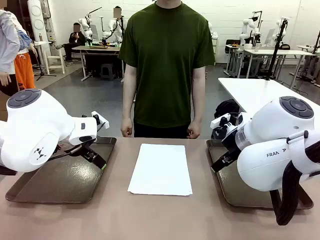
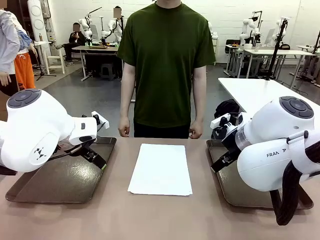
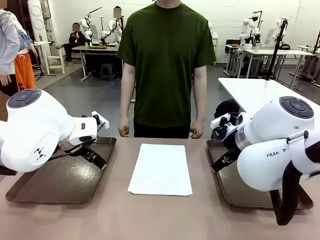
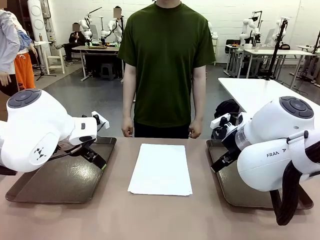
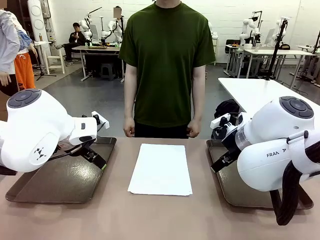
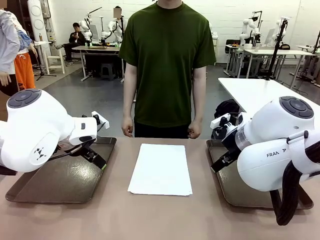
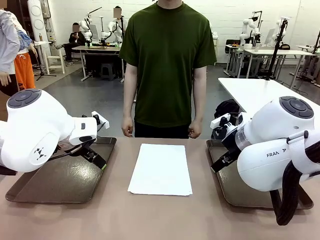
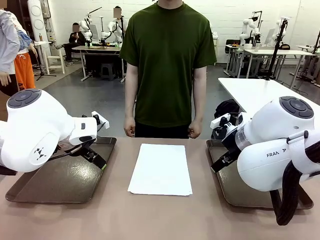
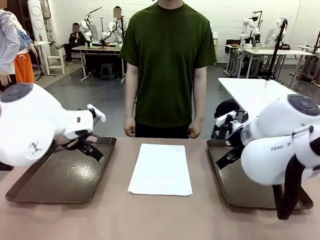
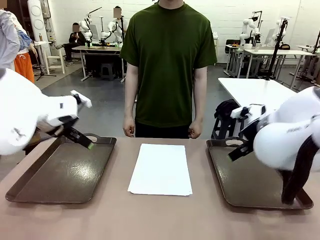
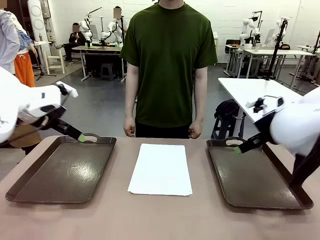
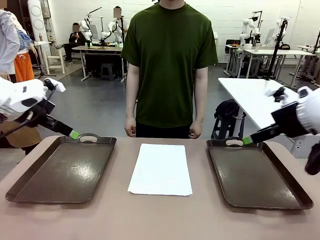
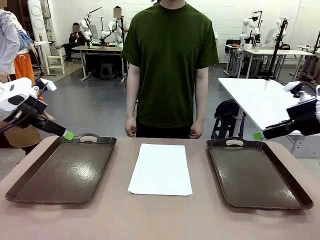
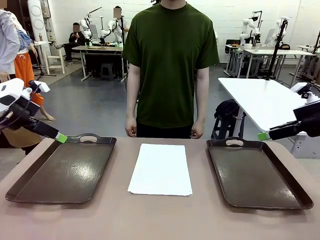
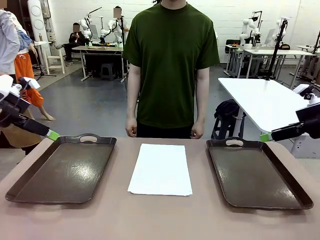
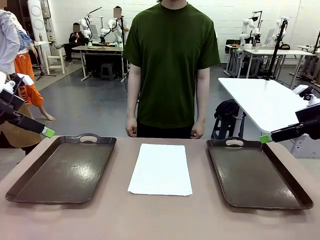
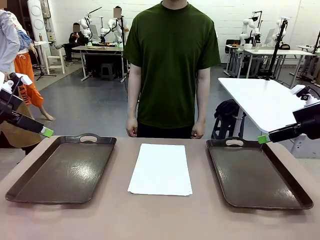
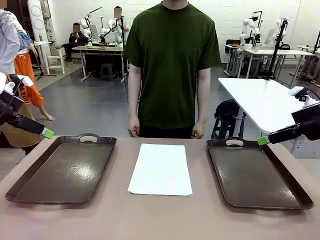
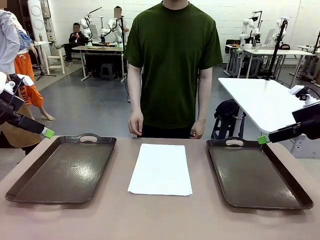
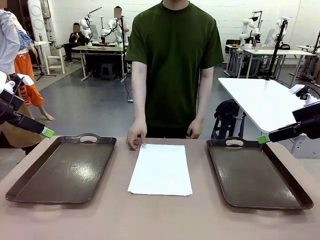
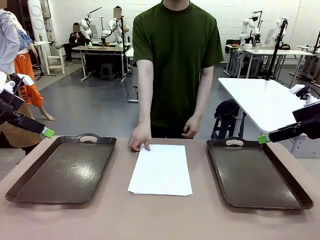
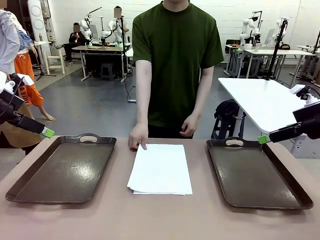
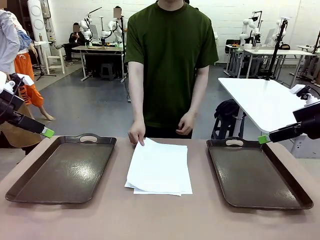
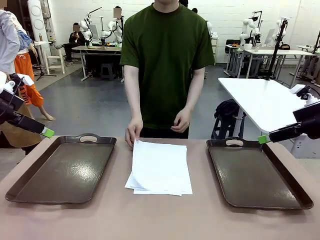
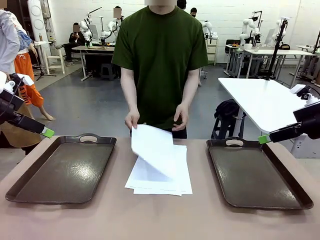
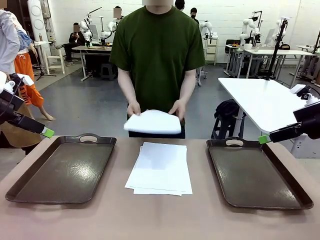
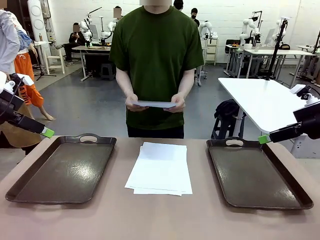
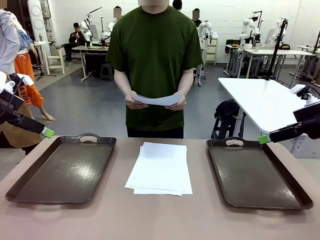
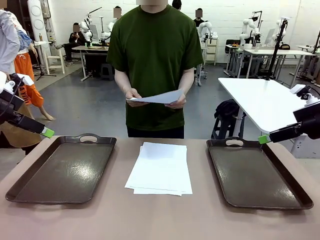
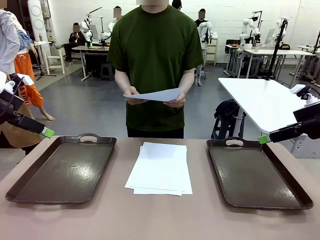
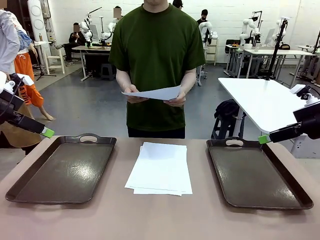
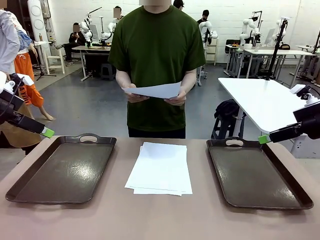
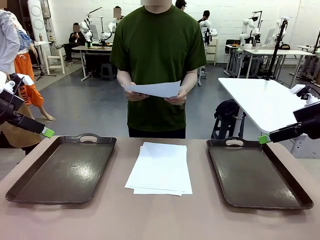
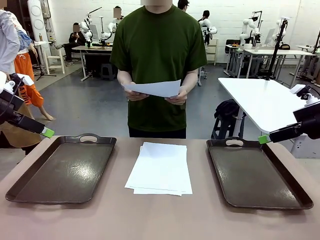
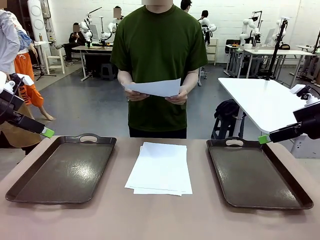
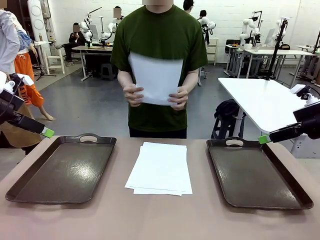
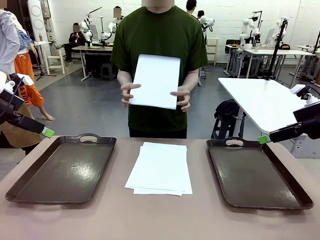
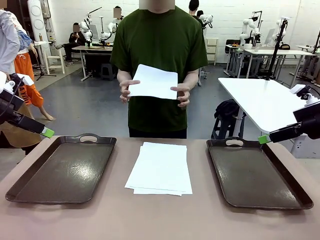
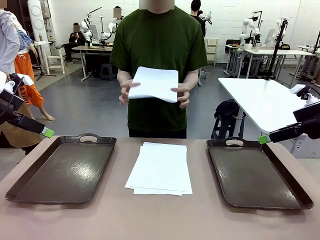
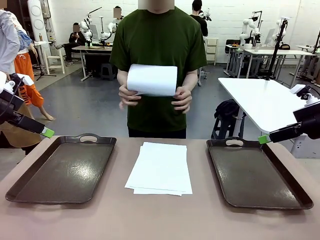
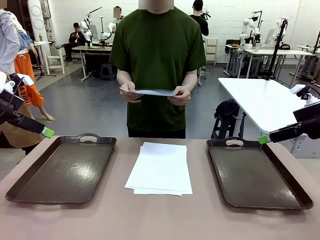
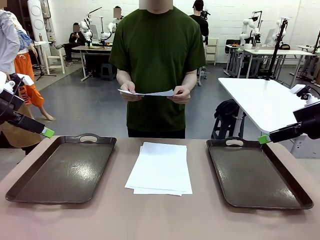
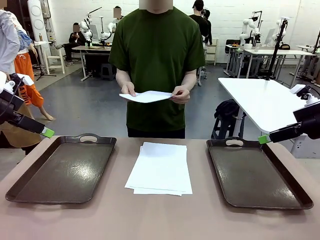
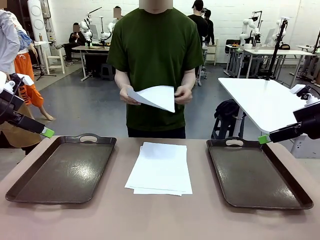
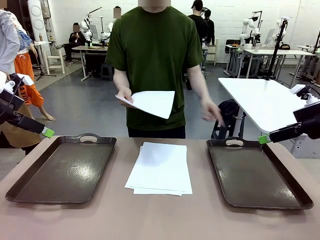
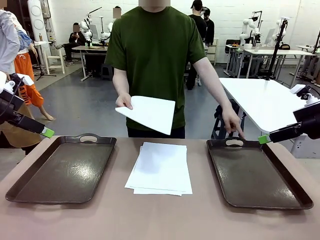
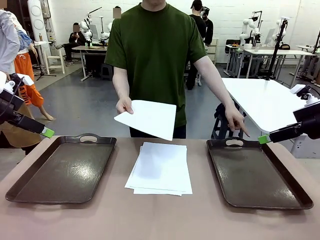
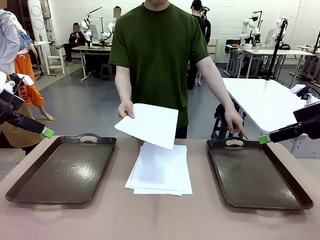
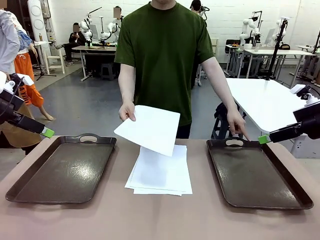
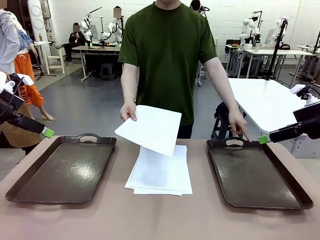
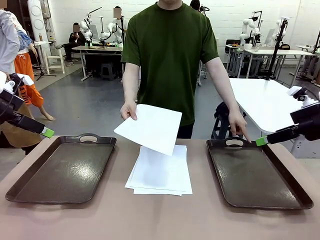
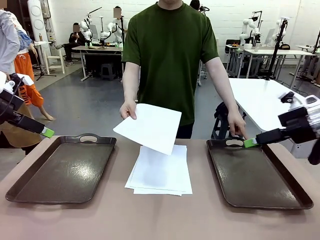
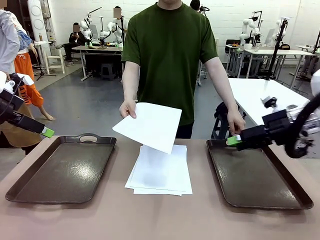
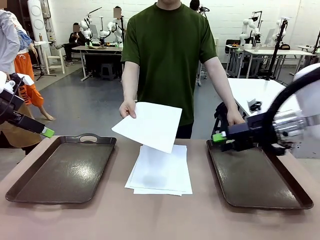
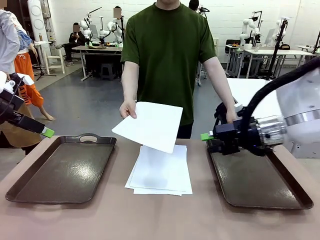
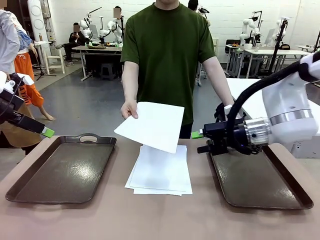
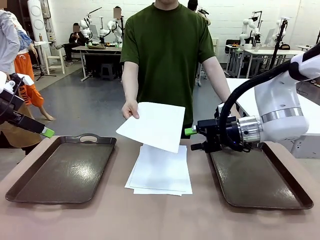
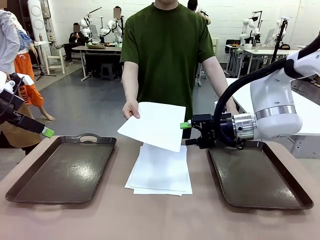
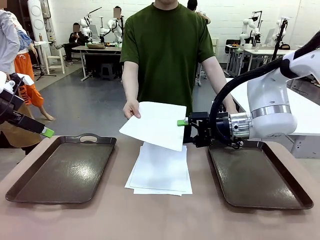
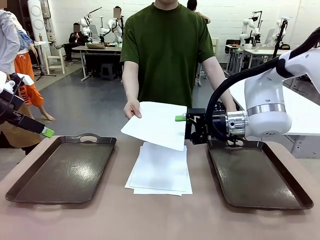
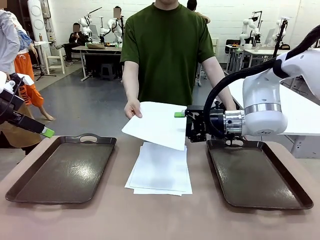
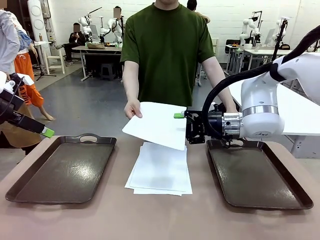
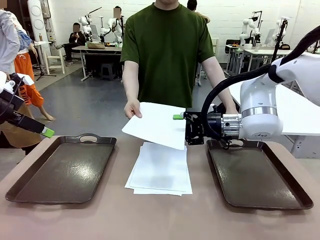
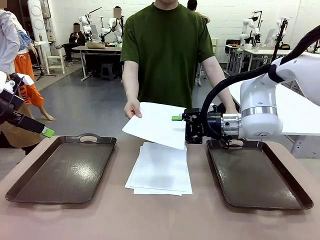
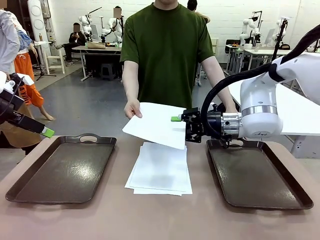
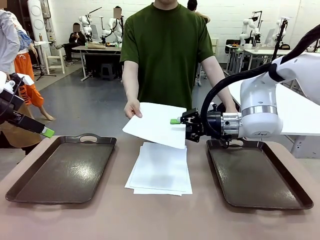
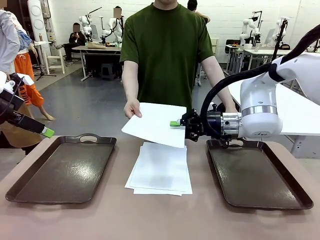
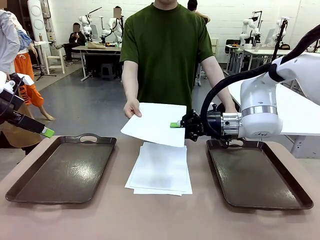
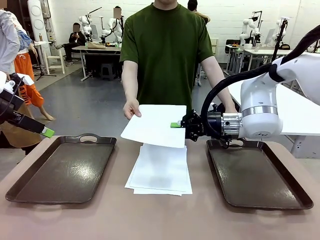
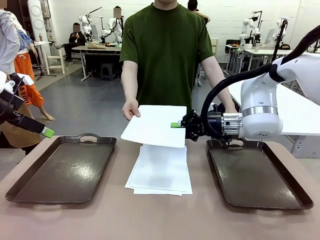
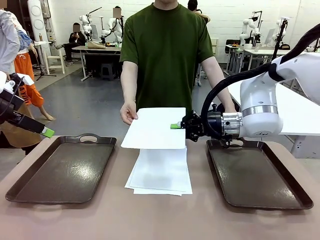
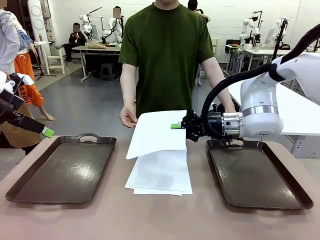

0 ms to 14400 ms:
Task: Sort the A4 documents.
Robot: Receive the A4 Paper.
Person: Pick up a sheet of paper from the center of the table and hand it to the robot. Point the randomly selected tray with the other hand.

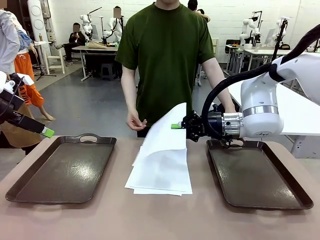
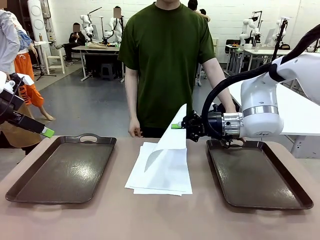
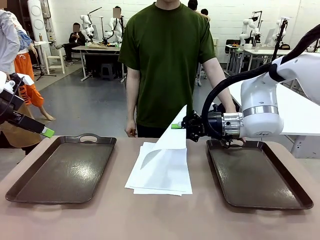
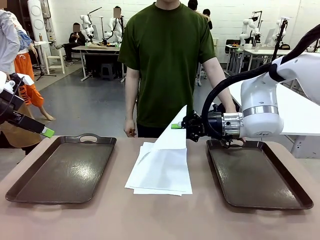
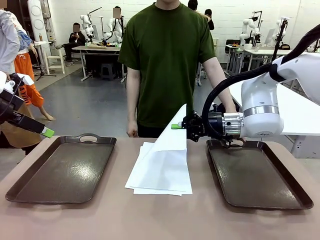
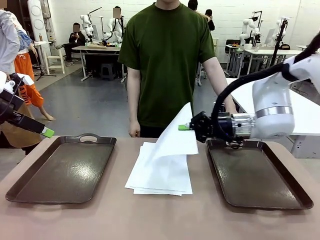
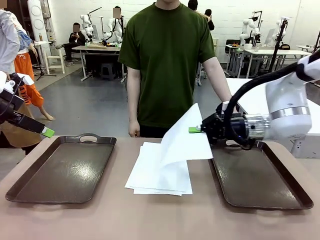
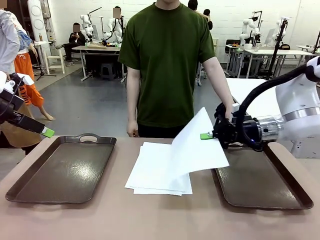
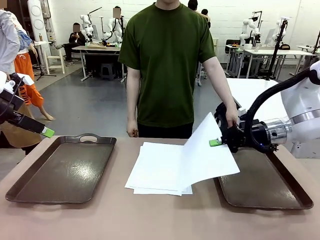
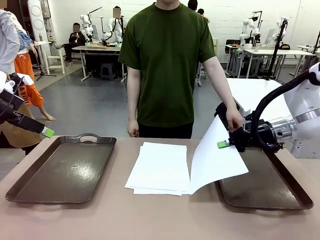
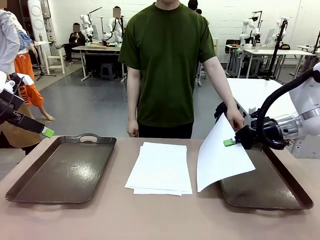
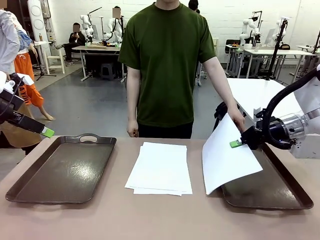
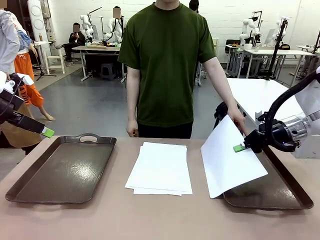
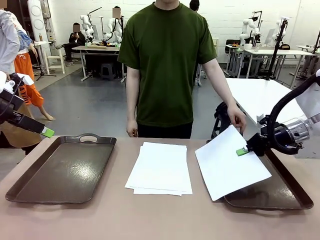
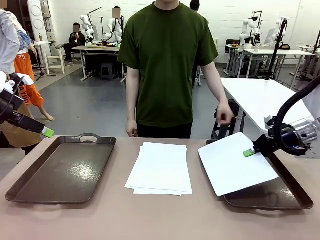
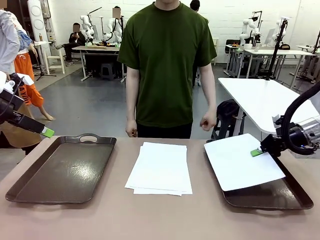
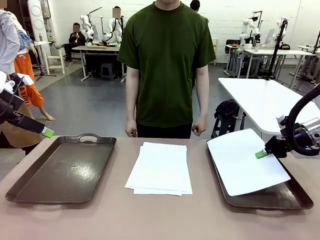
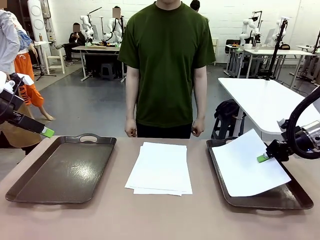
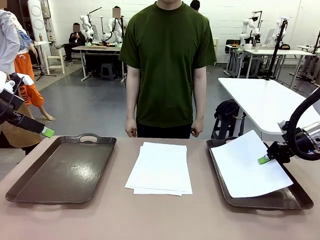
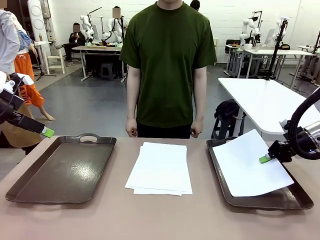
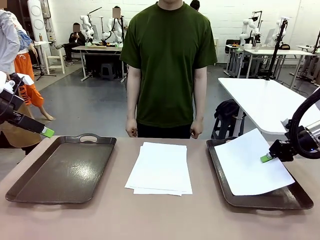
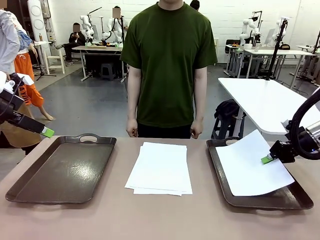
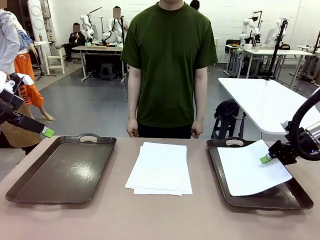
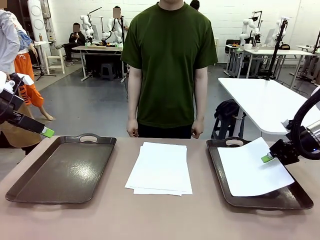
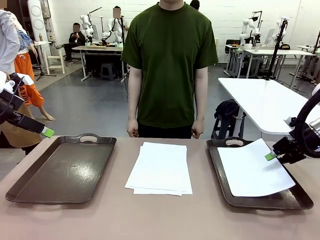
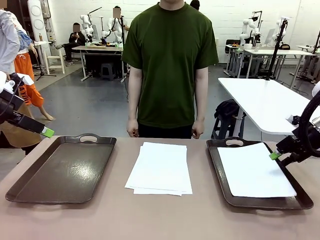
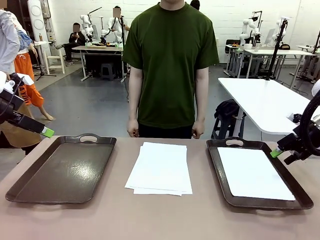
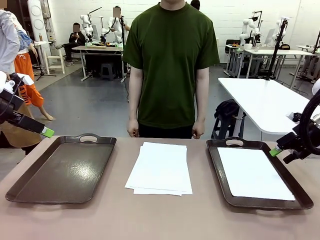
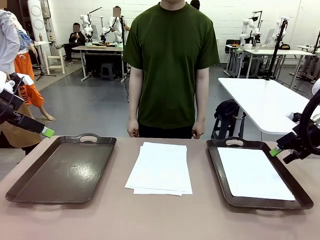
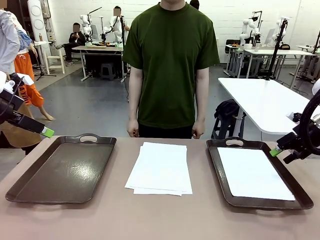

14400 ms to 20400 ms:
Robot: Place the A4 Paper in the designated Handle tray.
